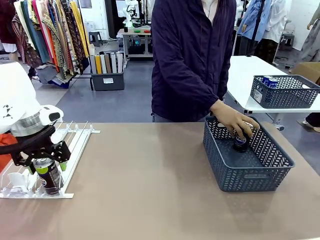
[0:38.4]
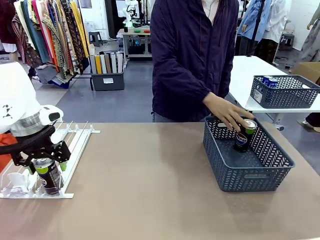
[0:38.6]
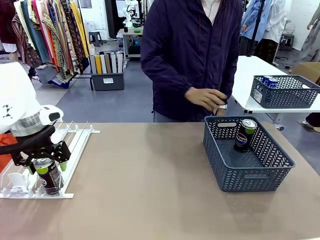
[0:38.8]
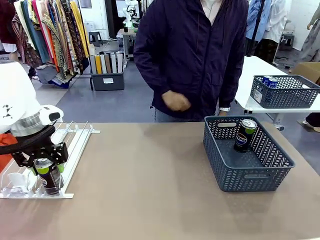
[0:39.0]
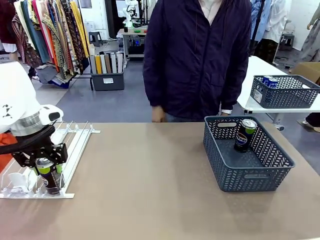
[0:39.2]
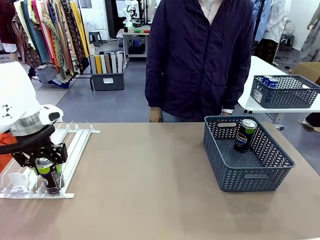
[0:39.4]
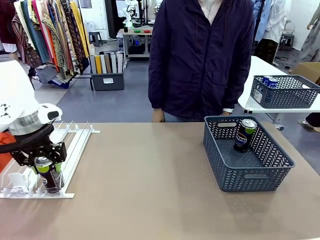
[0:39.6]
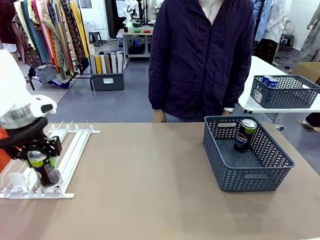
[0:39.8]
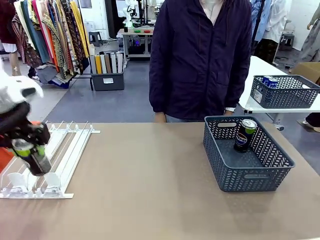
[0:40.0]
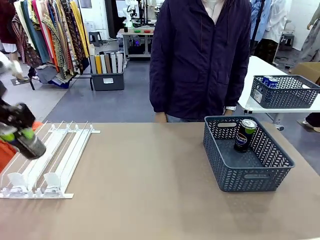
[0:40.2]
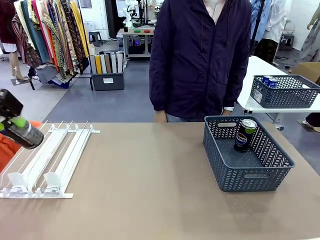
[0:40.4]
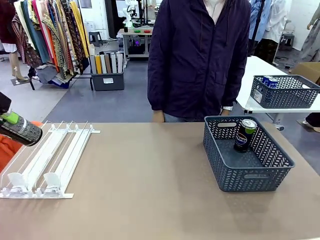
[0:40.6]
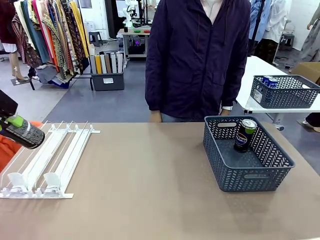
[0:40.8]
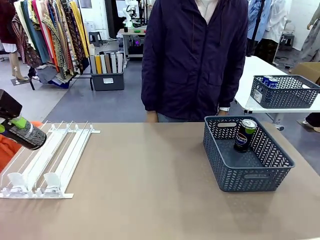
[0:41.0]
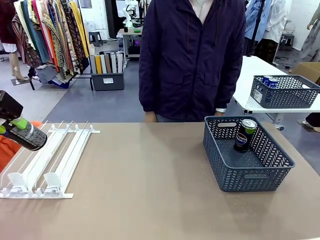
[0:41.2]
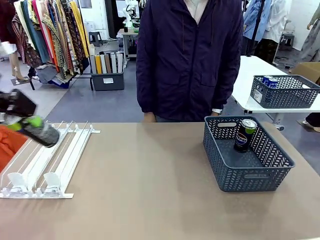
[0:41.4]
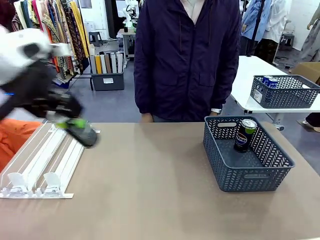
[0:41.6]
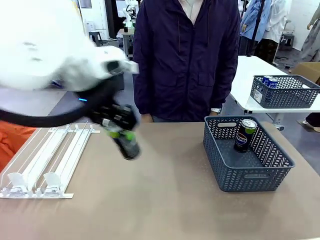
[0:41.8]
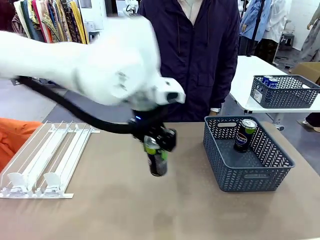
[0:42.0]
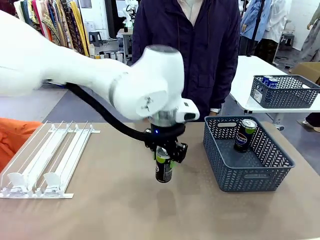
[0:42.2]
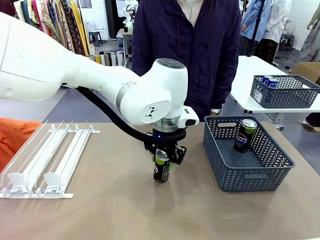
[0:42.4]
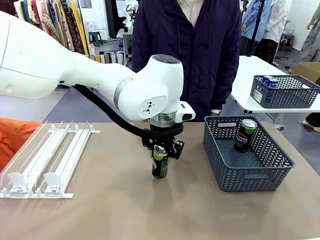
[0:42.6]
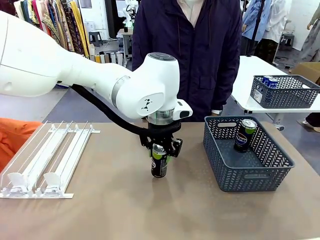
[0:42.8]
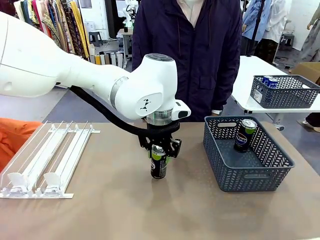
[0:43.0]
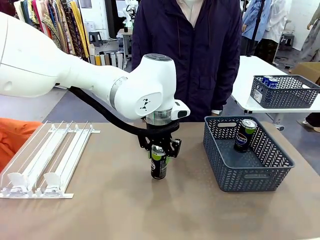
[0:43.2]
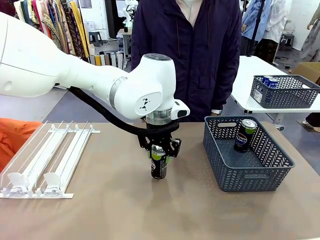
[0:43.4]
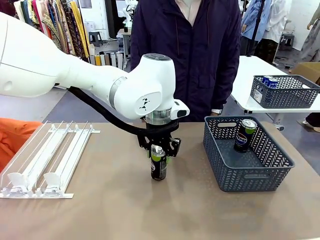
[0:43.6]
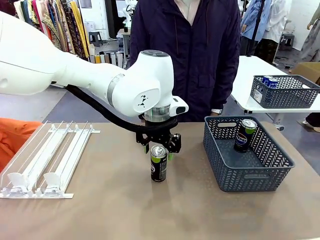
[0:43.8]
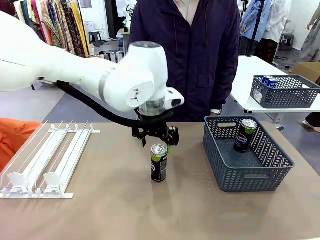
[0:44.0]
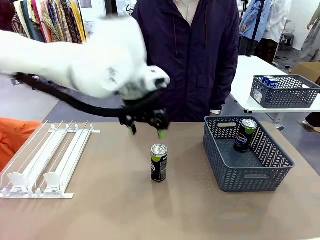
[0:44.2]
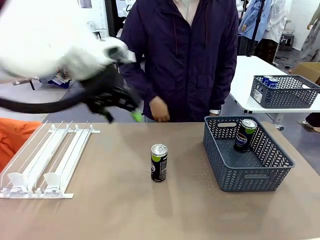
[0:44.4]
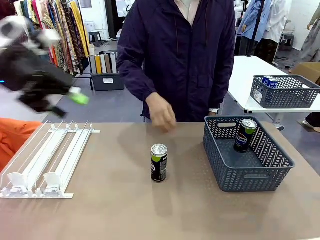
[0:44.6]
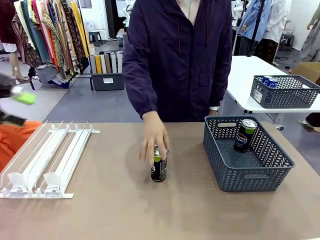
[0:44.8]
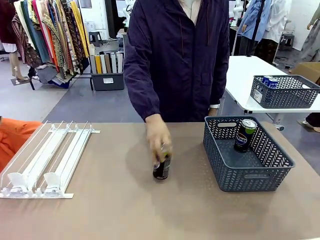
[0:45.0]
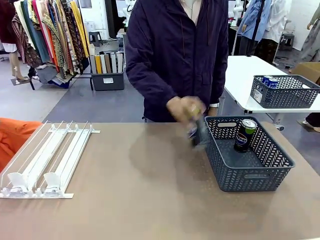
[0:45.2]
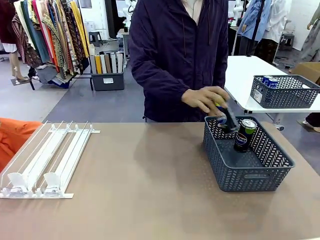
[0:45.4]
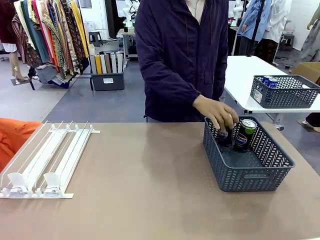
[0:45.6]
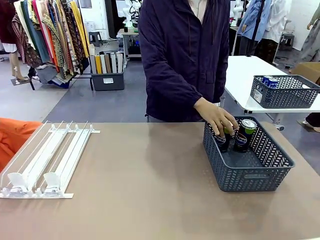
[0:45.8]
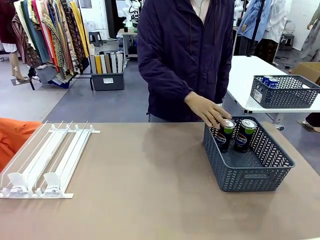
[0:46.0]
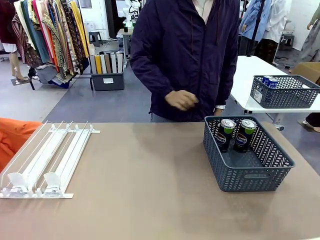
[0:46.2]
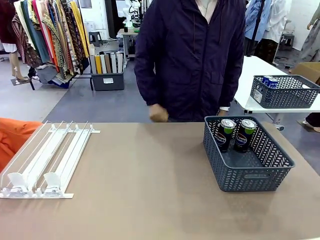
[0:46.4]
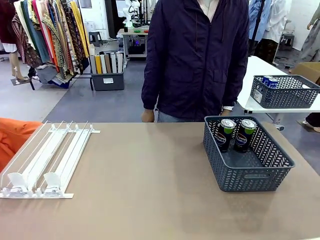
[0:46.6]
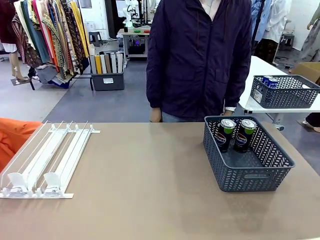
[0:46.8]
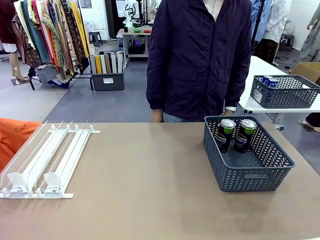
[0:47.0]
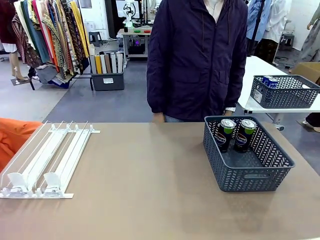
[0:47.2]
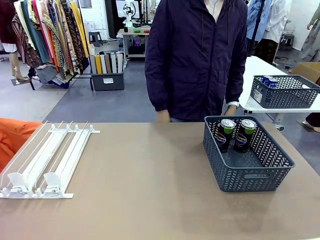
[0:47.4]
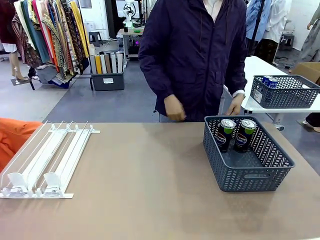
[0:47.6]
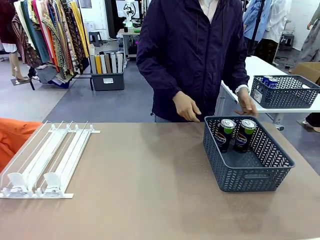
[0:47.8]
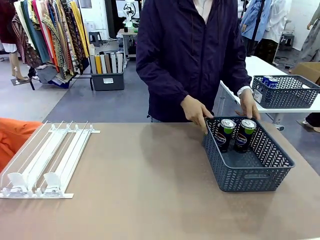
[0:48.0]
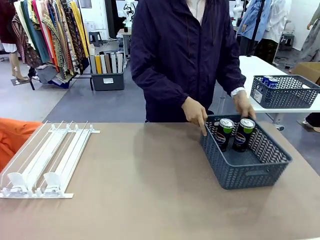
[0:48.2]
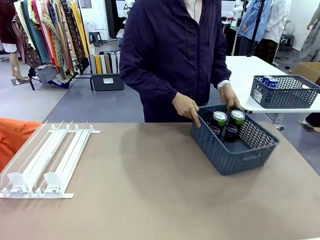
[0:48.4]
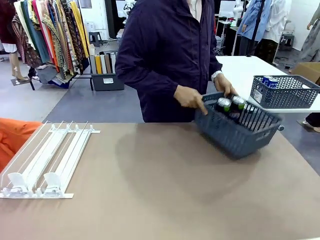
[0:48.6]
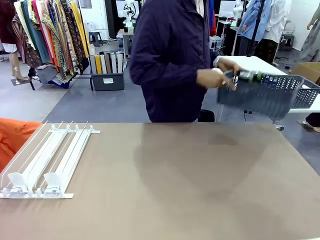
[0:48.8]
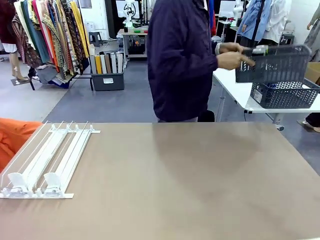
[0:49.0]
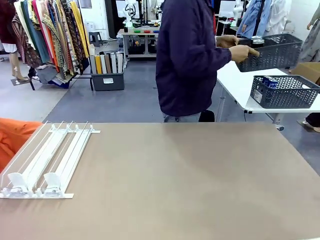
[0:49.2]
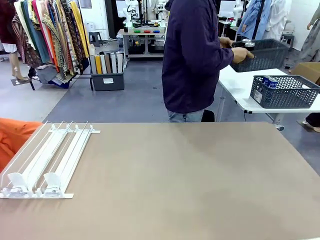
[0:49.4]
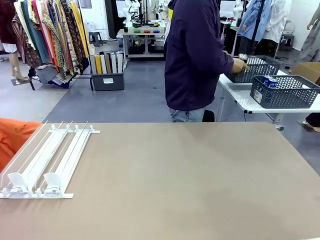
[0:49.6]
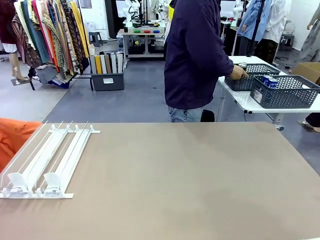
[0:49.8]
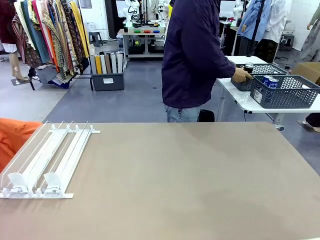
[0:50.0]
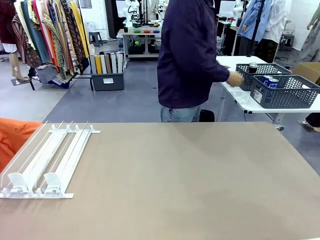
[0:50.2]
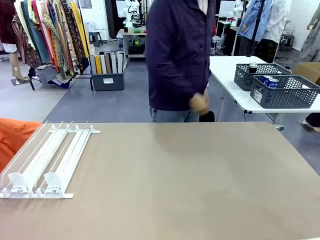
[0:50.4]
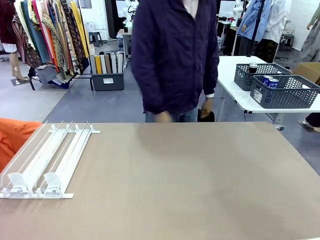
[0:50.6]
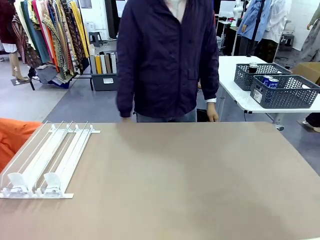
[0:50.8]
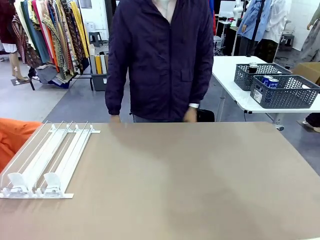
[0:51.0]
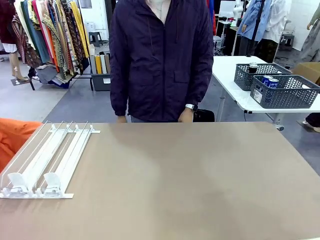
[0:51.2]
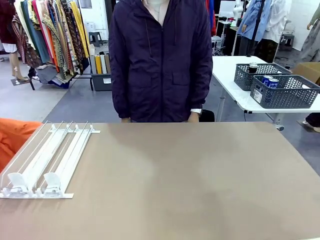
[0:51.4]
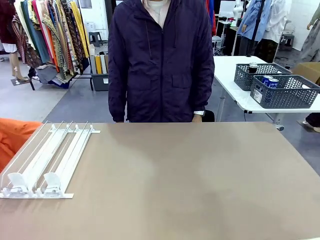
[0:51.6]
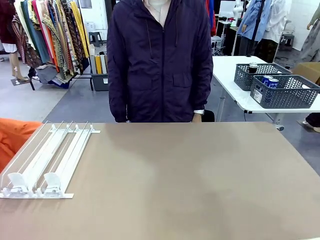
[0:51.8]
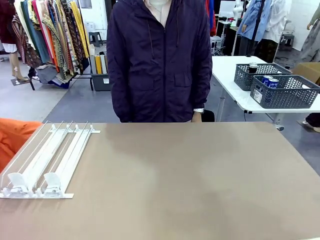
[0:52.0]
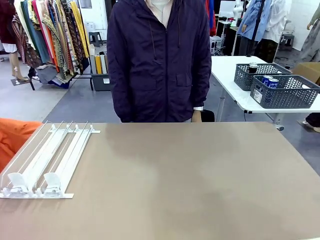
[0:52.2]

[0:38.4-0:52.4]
Task: Retrieve and store the cans from the dispenser.
Robot: Pick up one can from the Automatic Can Dispenser and place it in the middle of the table.
Person: Pick up one sports drink can from the middle of the robot table and place it in the basket. Pick up the basket and place it in the middle of the human table.
